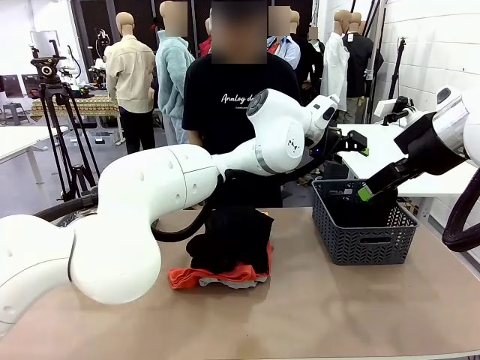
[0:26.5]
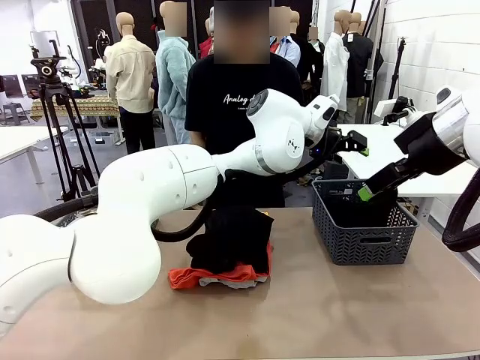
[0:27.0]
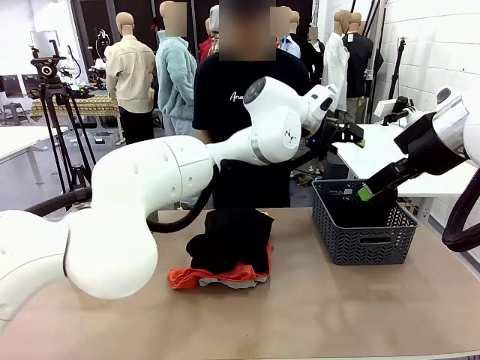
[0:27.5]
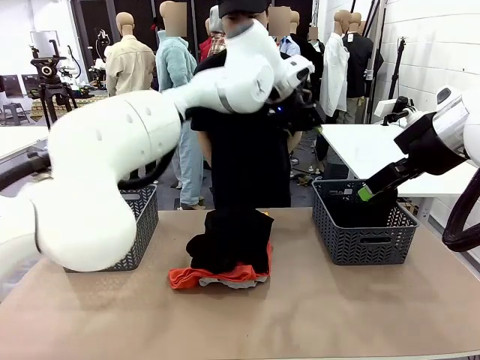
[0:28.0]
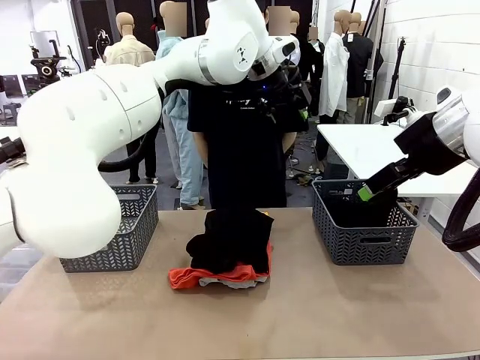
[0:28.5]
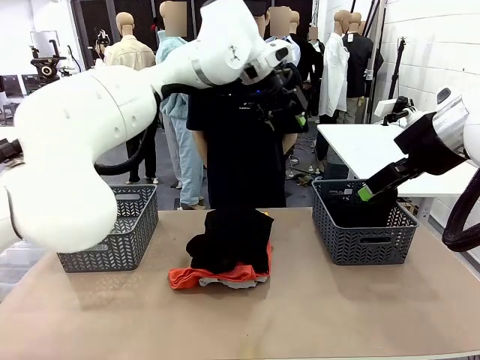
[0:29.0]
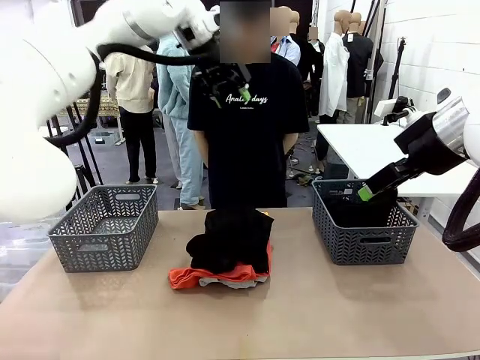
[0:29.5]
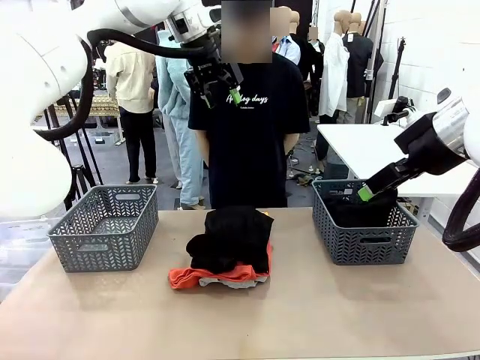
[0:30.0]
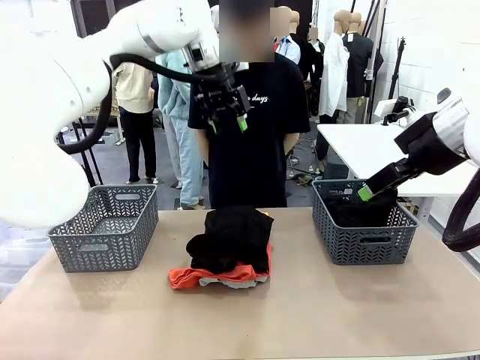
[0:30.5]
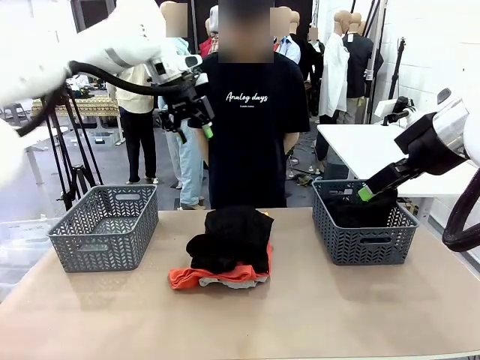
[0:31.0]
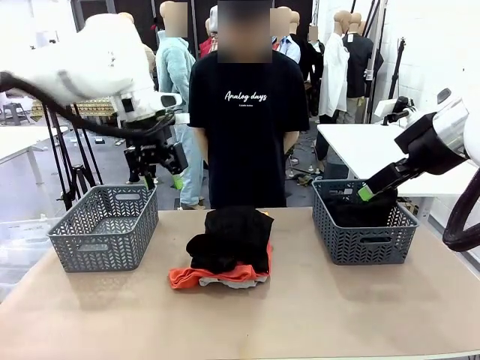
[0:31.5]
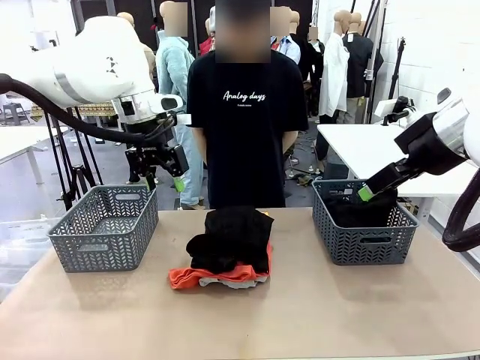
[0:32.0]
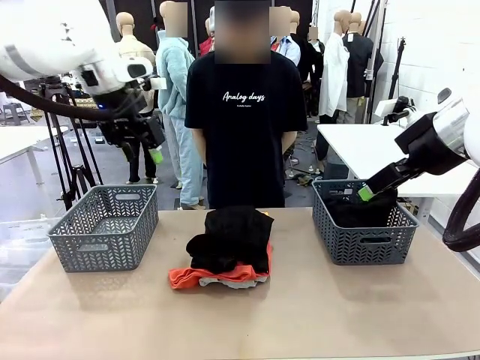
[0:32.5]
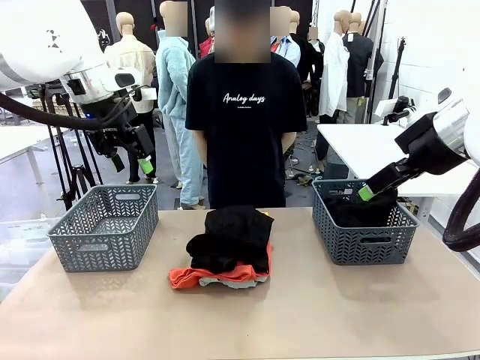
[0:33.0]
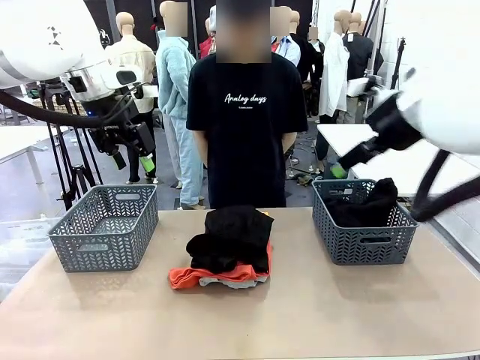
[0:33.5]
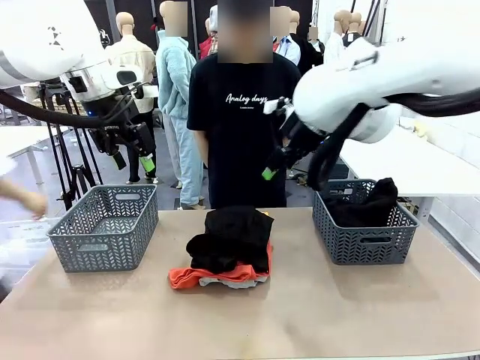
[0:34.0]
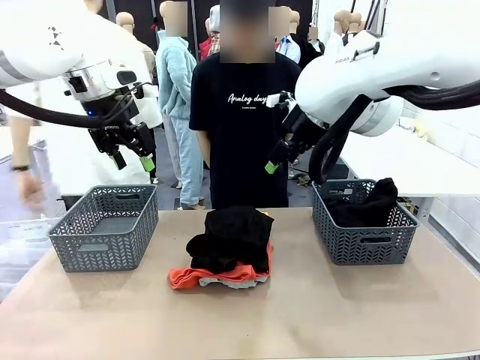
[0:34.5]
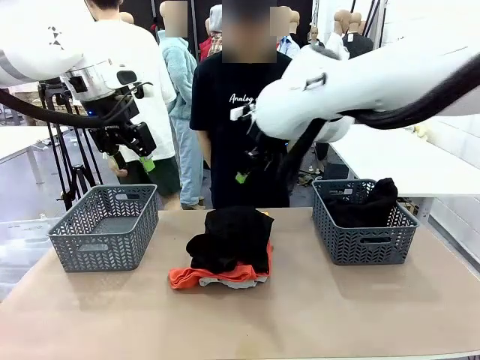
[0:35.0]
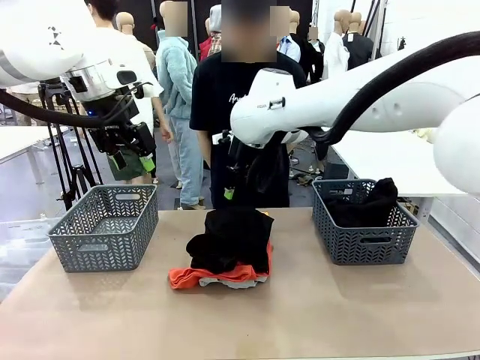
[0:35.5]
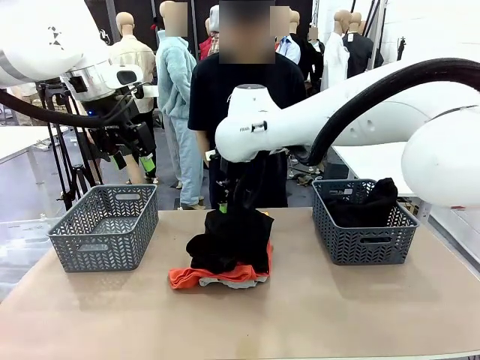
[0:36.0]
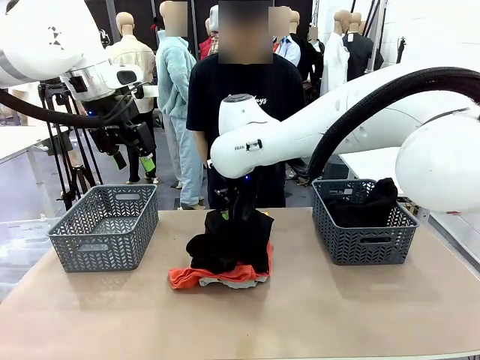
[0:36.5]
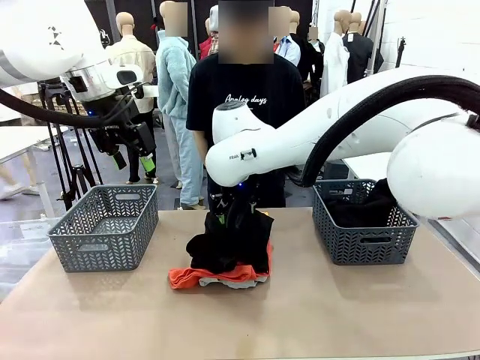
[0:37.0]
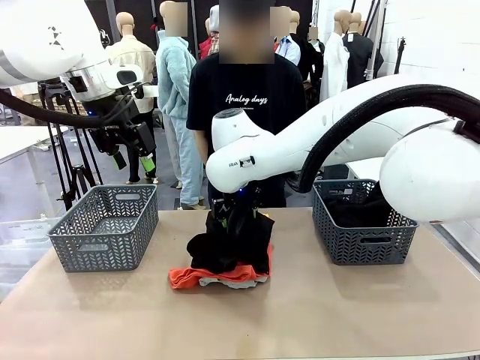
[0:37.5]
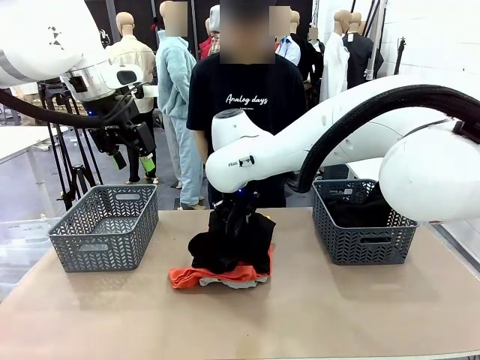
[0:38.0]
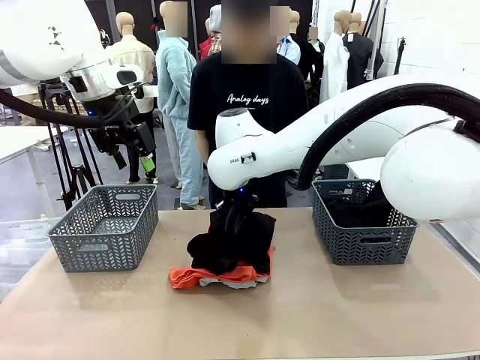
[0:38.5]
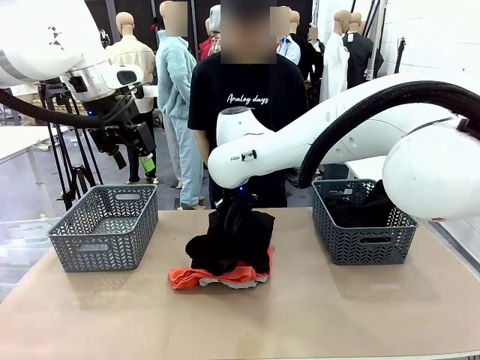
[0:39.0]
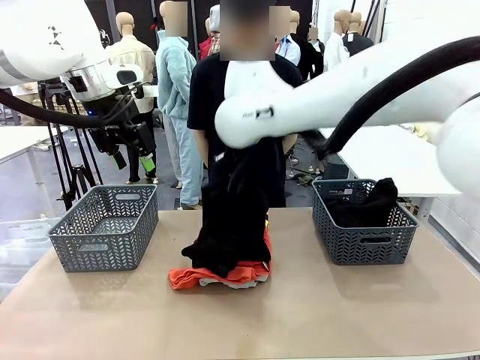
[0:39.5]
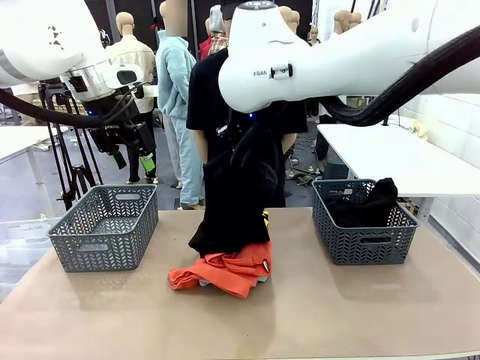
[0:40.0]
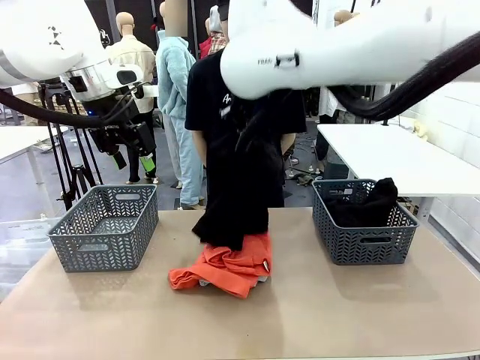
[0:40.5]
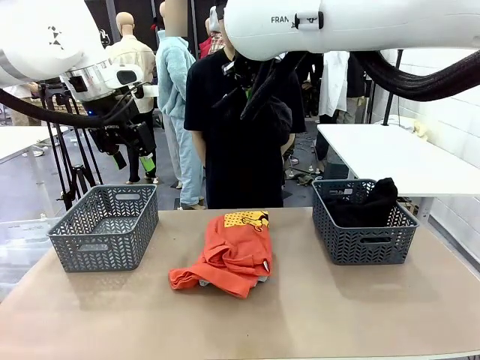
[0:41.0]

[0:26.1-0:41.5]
Task: Sort the tops and bottoms.
Robot: Lift clothes from the center of the table with your right hand.

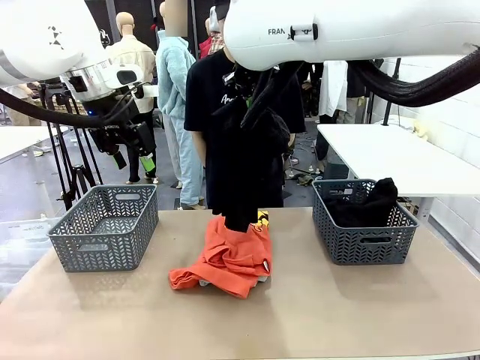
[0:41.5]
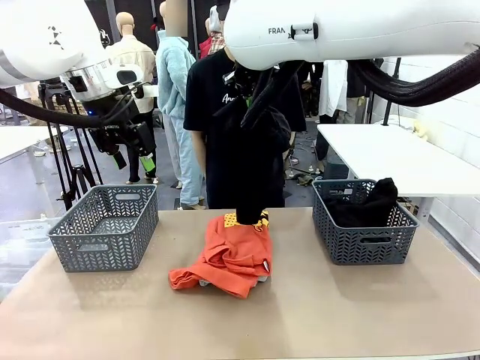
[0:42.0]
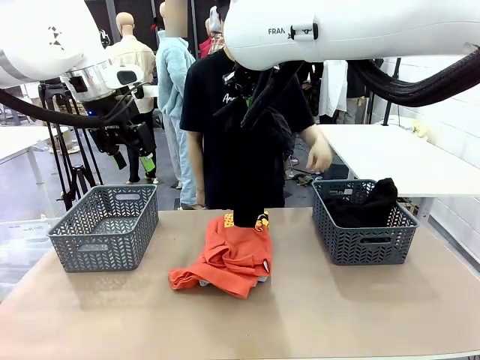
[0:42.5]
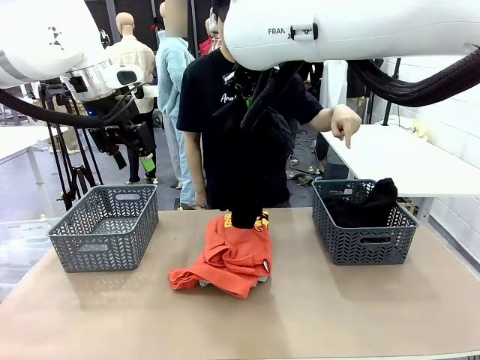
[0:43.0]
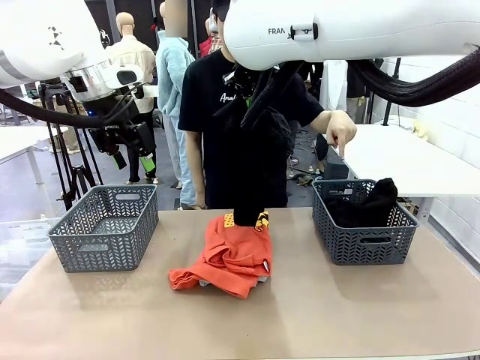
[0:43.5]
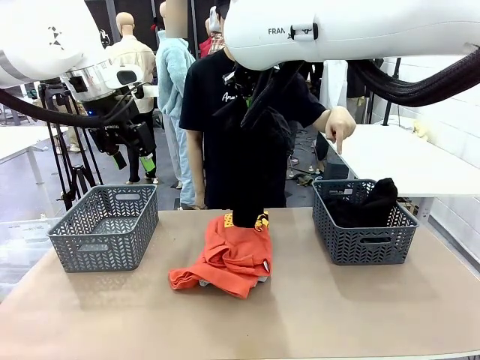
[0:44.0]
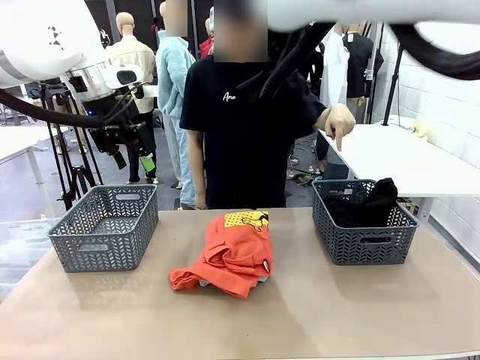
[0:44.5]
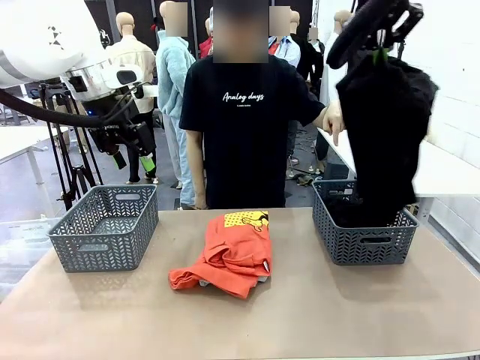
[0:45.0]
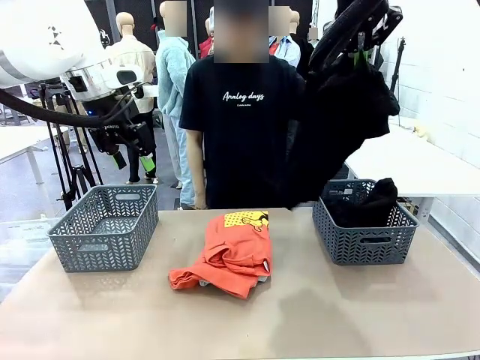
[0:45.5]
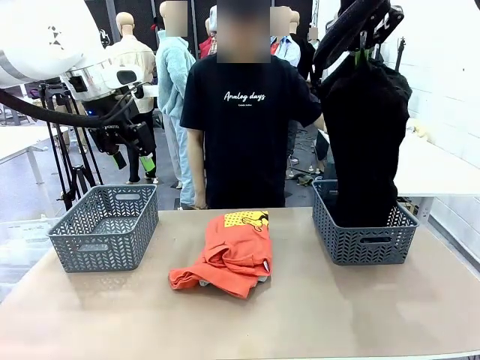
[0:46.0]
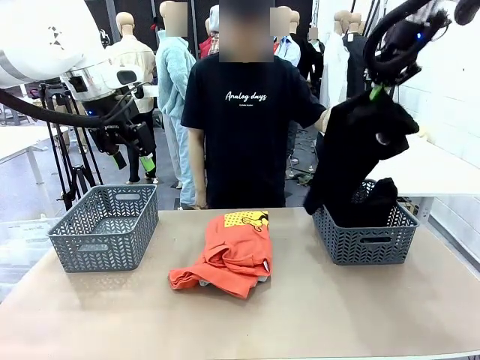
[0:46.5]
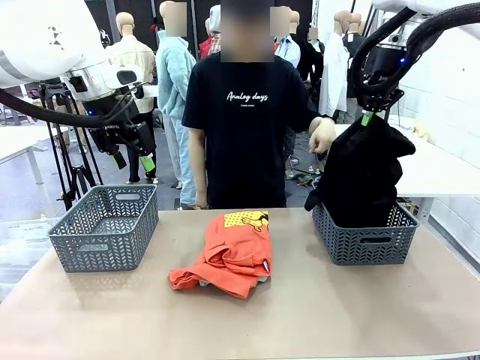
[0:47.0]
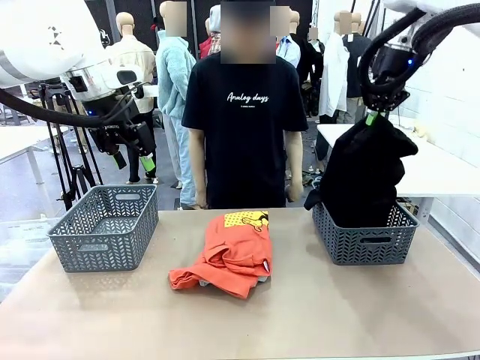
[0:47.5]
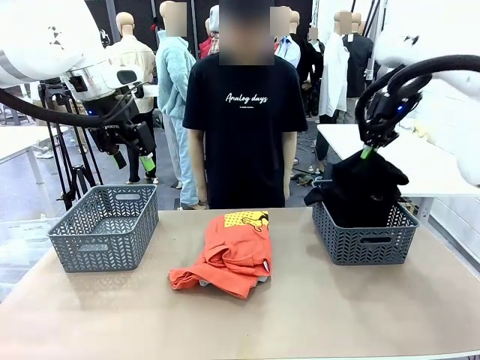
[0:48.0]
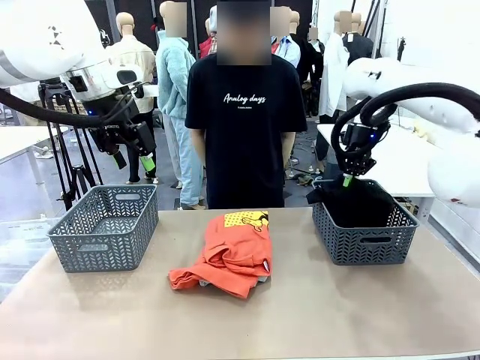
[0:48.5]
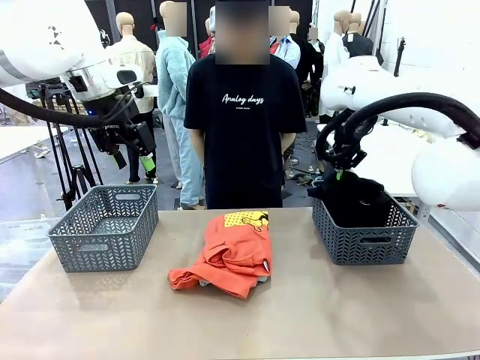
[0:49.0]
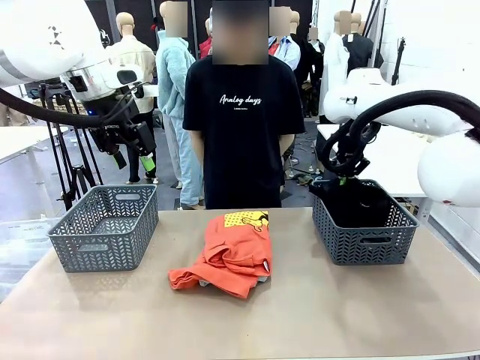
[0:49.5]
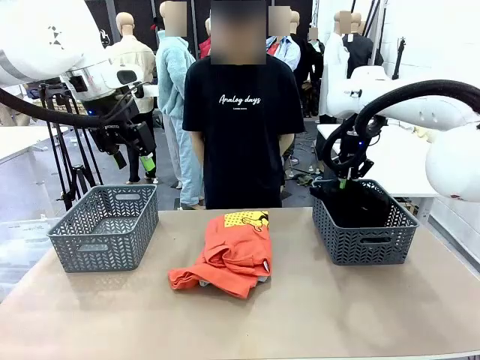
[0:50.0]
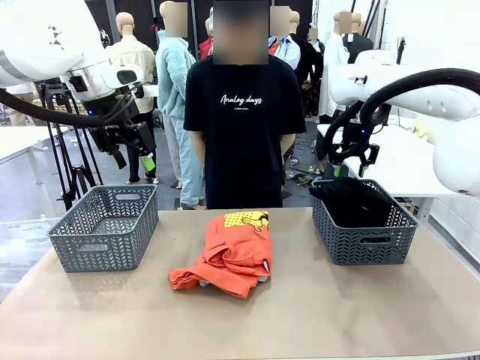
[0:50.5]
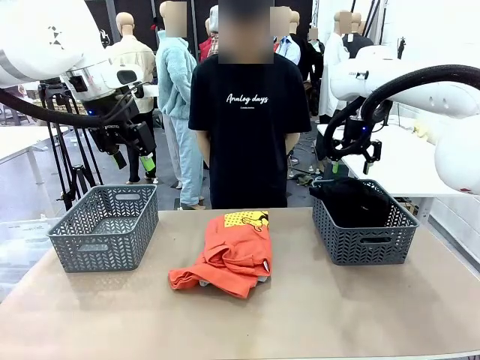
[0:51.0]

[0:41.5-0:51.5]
Robot: Sort the clothes according to human instructions.
